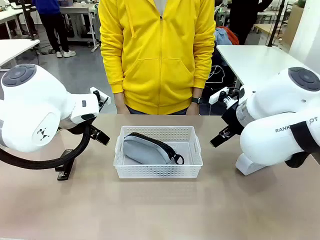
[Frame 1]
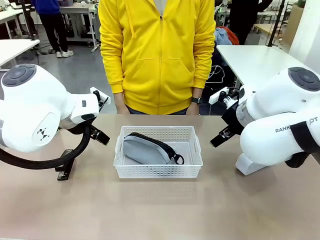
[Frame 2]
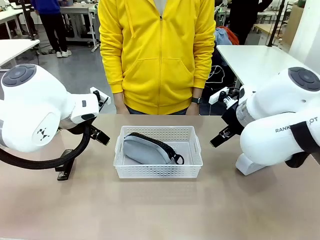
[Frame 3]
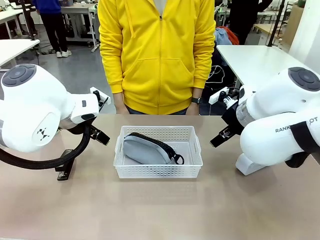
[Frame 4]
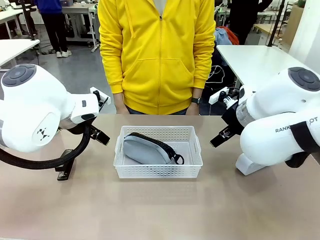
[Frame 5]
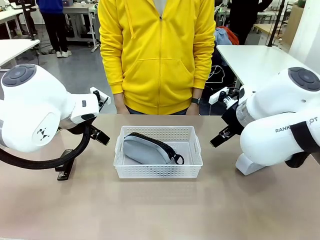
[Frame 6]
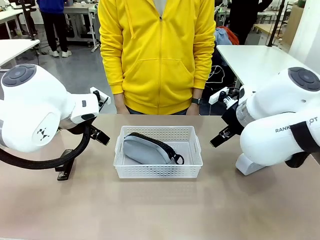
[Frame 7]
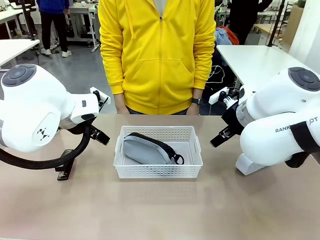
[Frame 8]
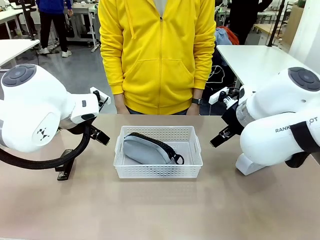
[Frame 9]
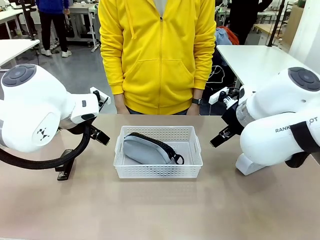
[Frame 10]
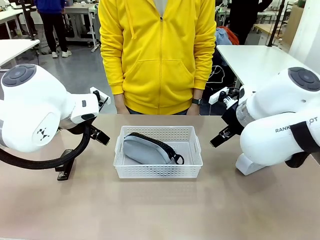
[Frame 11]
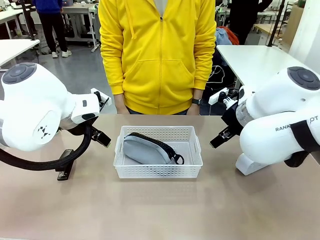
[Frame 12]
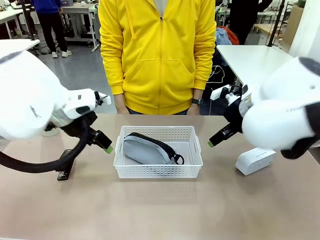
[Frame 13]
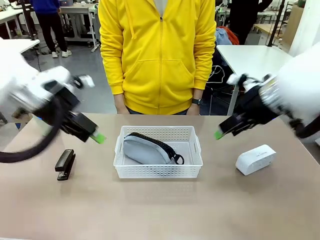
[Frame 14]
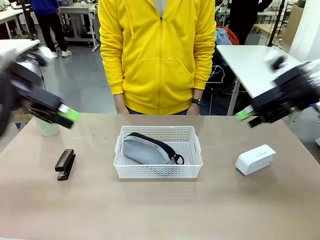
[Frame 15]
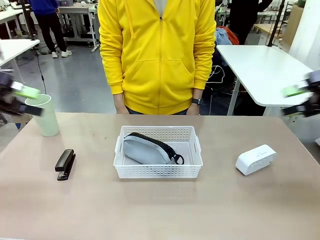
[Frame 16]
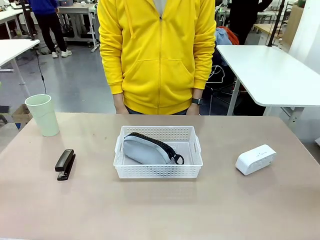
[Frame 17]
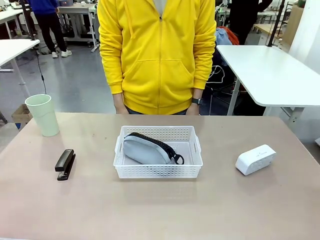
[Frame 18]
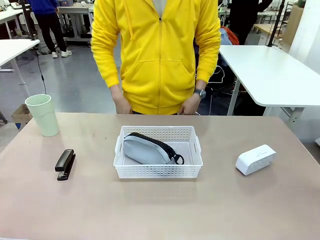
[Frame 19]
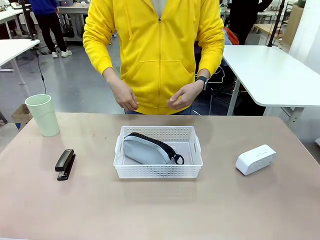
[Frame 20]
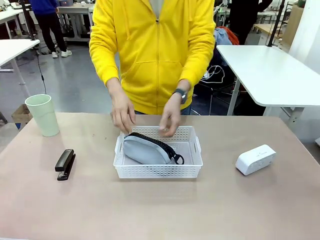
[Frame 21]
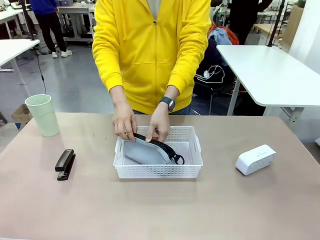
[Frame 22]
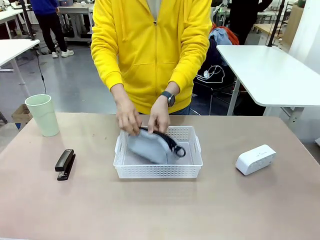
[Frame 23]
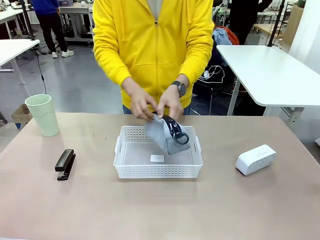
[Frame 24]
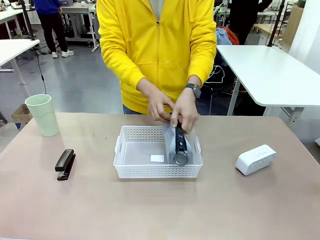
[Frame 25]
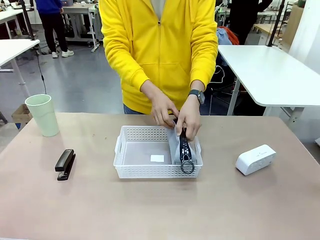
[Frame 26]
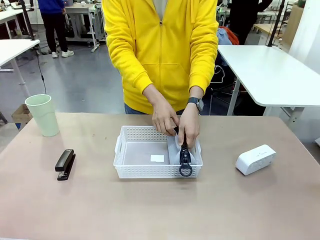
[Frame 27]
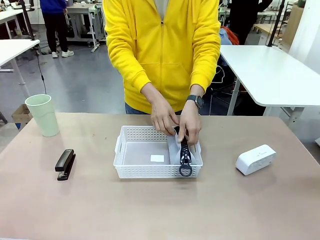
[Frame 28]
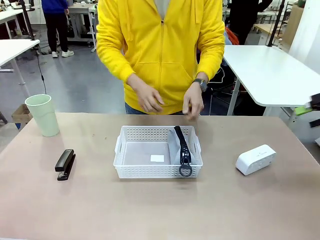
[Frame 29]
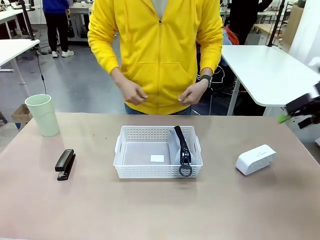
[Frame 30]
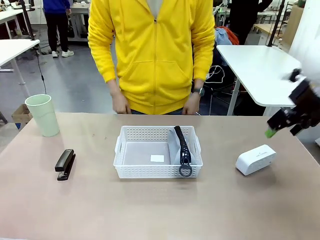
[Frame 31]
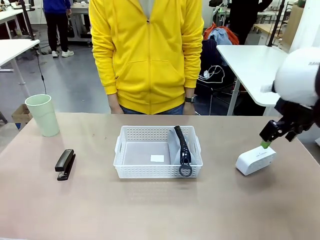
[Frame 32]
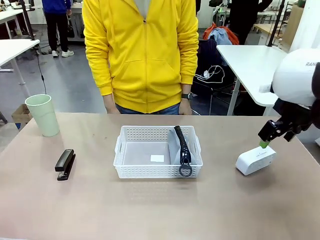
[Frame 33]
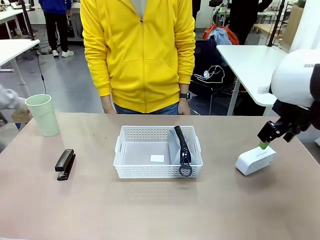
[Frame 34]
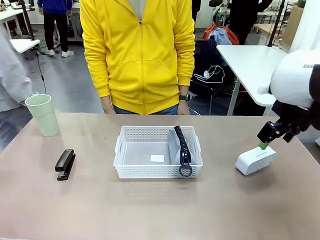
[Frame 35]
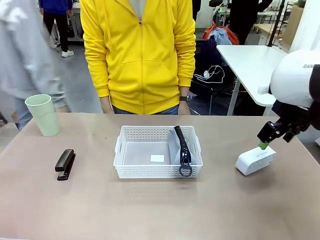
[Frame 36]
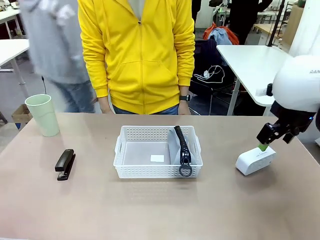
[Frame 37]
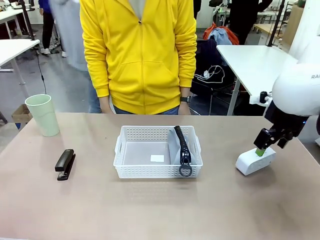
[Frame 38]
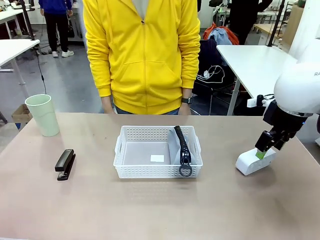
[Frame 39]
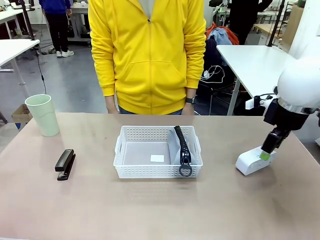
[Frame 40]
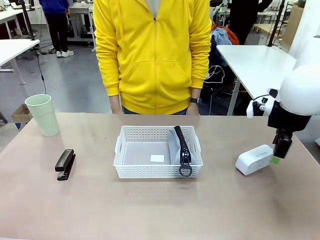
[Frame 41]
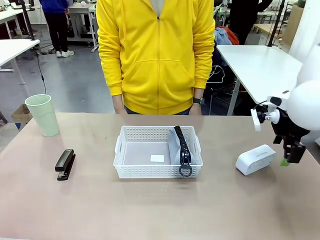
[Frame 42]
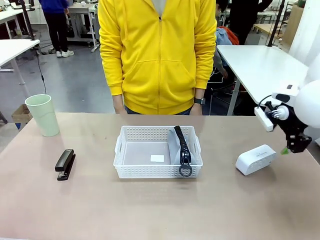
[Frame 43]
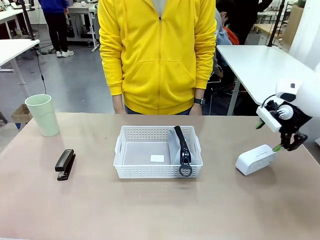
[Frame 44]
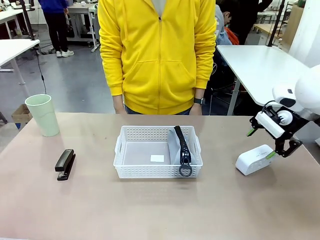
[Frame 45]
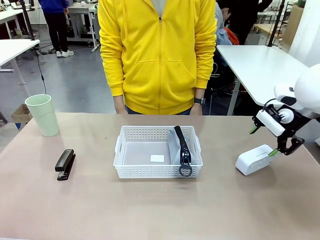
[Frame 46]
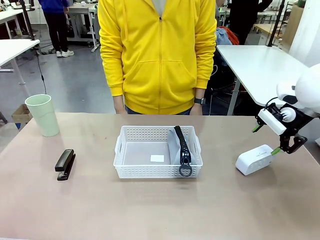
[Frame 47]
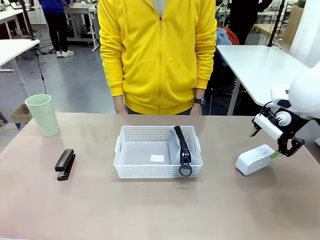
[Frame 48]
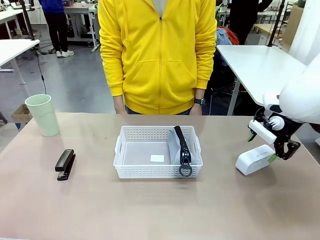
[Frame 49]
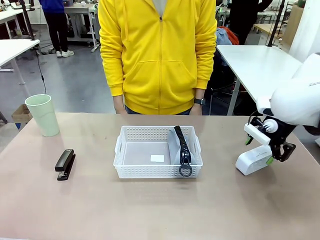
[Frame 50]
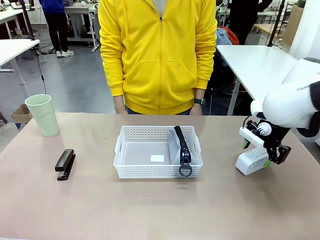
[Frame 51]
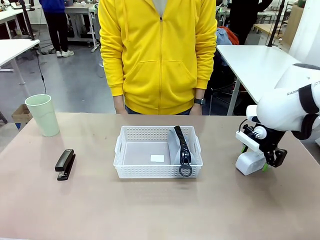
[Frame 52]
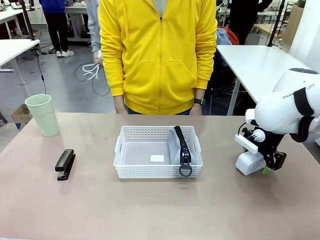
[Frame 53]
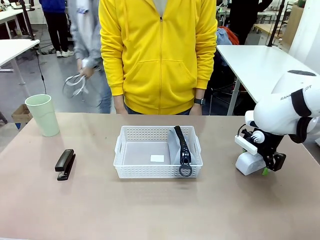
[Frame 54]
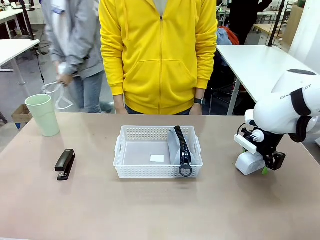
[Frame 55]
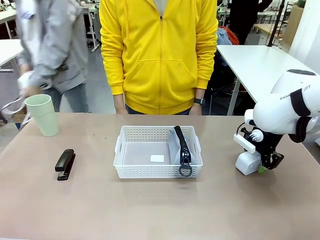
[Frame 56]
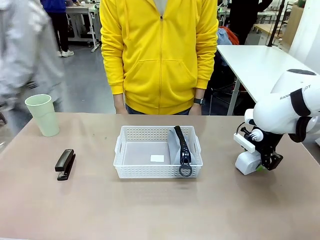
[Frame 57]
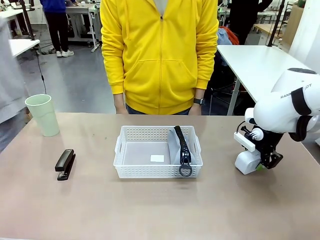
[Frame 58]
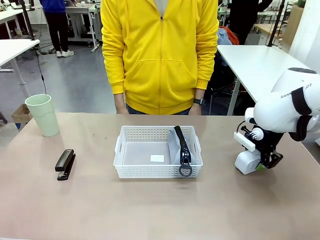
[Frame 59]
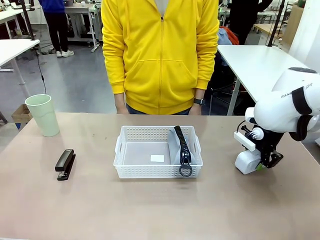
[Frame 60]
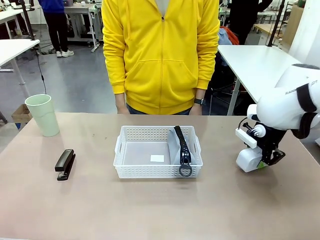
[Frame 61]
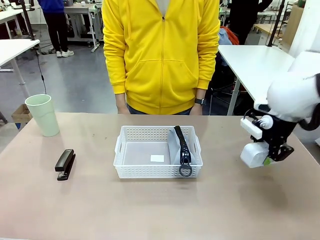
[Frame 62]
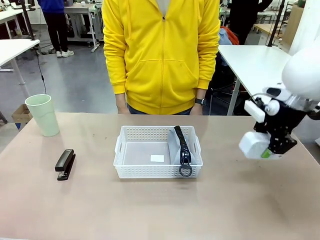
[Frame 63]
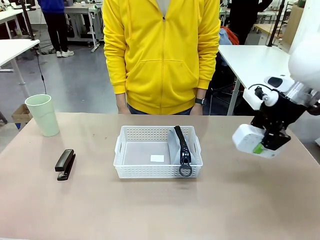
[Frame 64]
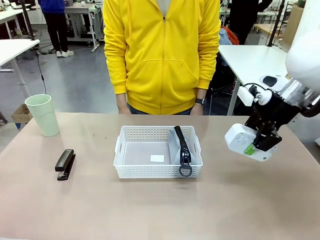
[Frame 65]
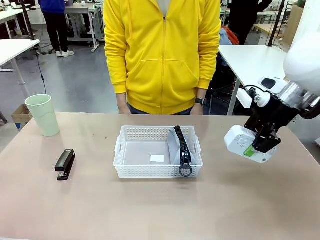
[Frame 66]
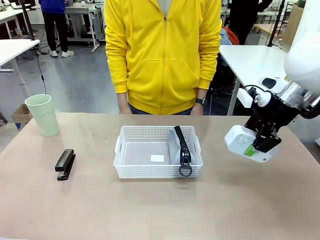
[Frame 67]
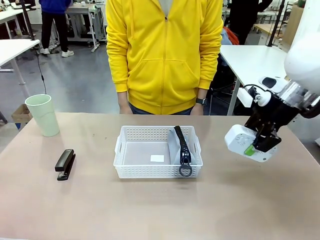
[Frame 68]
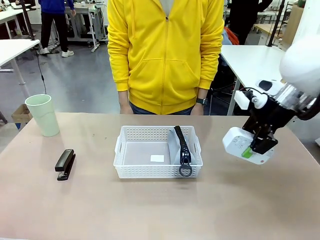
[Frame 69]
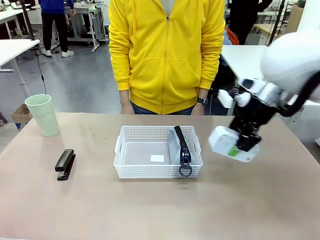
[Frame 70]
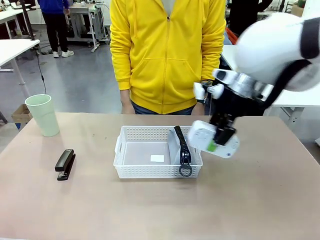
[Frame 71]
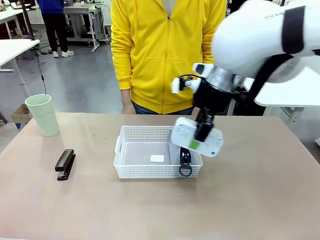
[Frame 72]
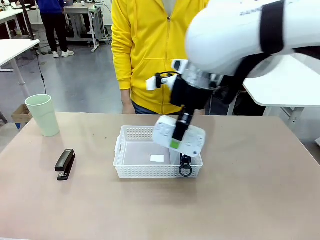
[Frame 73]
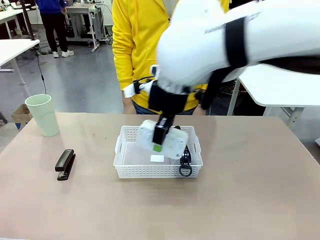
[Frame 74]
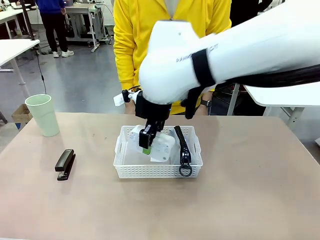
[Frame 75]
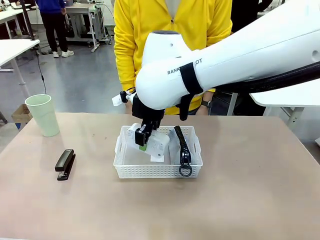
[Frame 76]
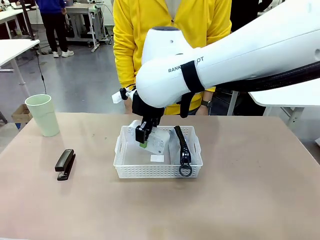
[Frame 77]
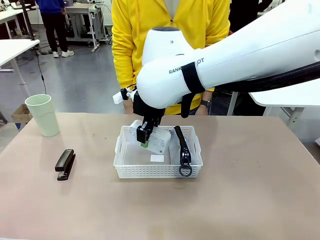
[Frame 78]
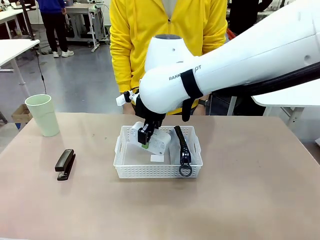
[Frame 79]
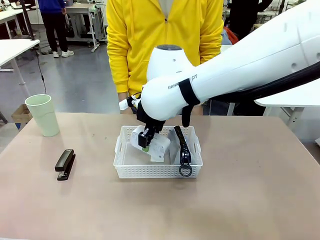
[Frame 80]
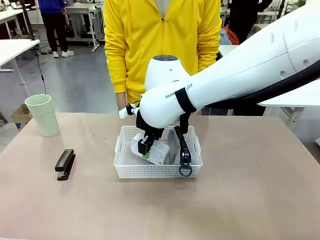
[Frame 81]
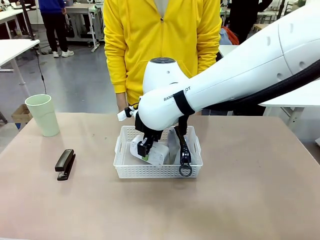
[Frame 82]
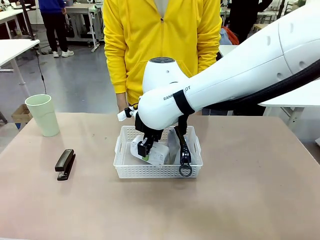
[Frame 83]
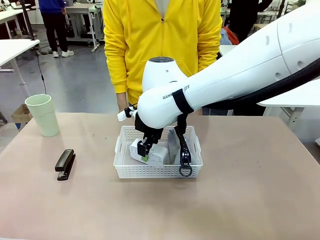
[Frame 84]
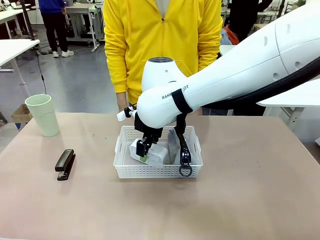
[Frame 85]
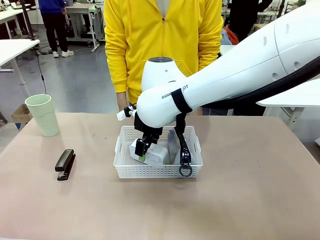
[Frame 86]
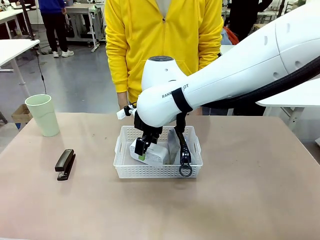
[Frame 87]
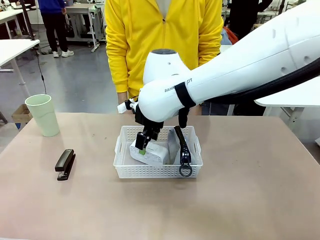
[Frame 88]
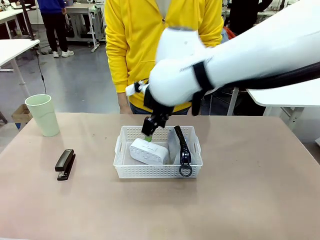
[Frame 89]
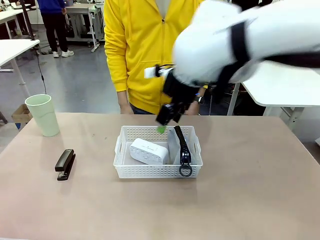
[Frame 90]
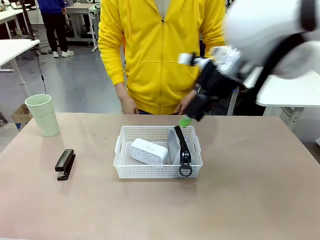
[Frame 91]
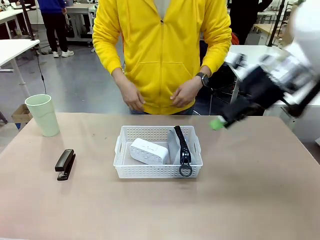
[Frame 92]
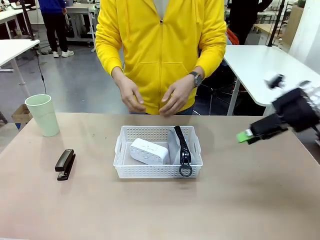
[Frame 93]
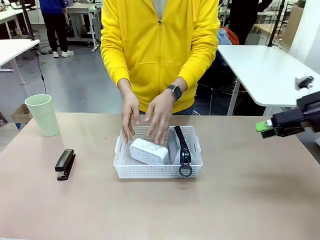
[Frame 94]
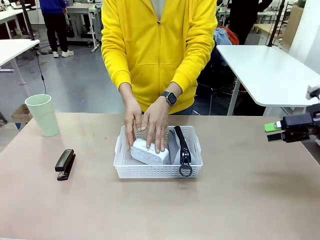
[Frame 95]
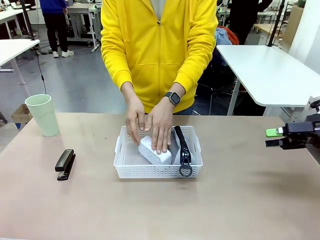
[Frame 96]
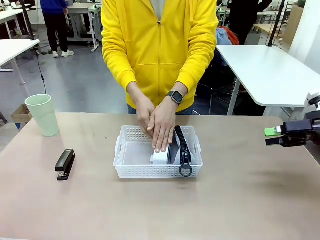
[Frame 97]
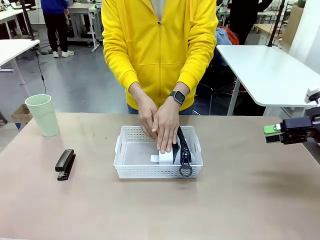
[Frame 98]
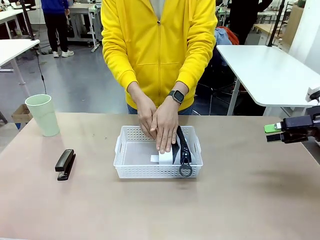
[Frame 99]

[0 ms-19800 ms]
Task: Efficiently arrange items inside the basket to fit them all.
Robot: Pick up the Digital clock and place it inside the Organizing basket.
Person: Repositions the pencil case. Repositions the digital clock.
